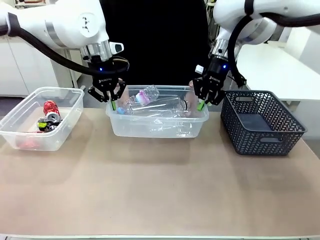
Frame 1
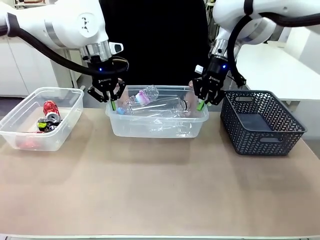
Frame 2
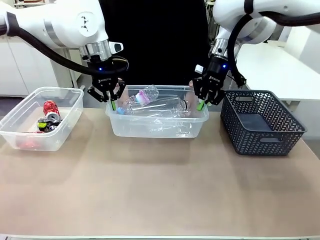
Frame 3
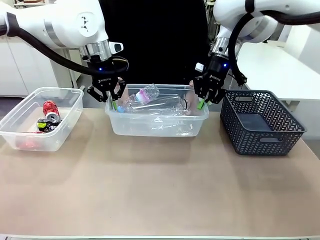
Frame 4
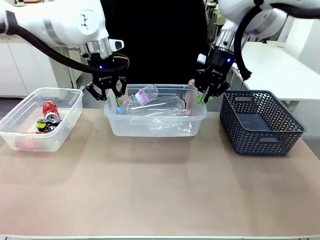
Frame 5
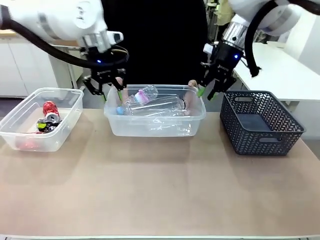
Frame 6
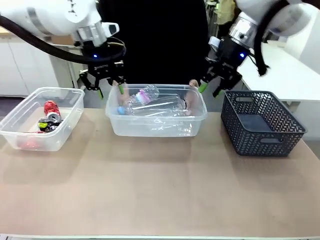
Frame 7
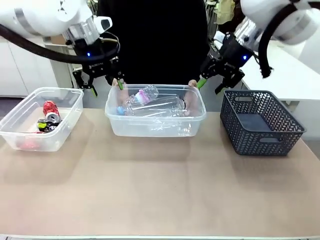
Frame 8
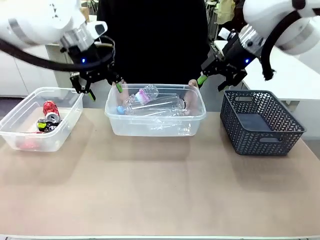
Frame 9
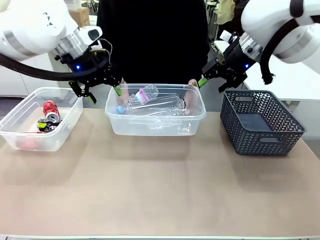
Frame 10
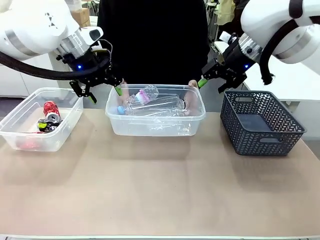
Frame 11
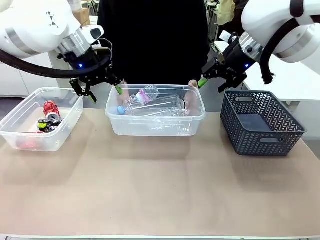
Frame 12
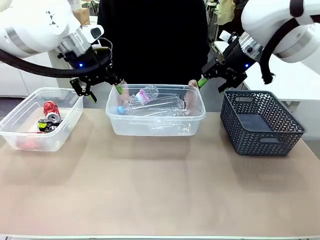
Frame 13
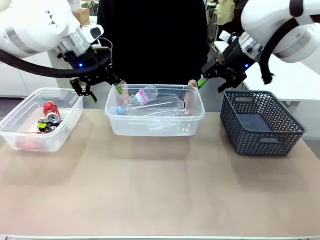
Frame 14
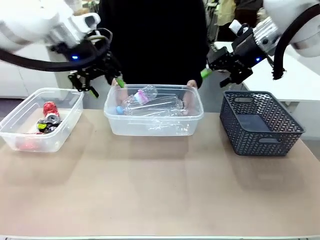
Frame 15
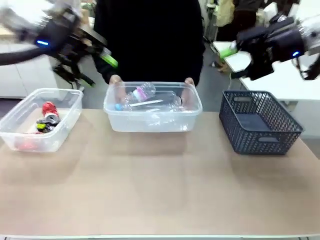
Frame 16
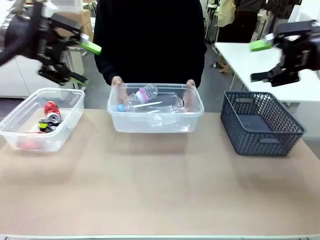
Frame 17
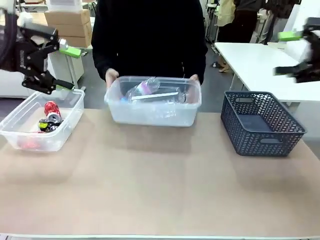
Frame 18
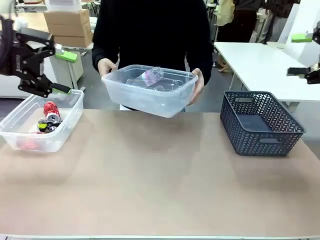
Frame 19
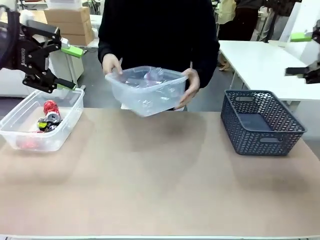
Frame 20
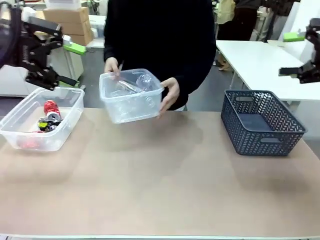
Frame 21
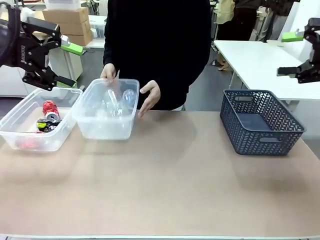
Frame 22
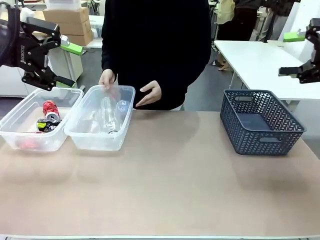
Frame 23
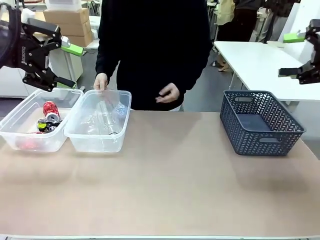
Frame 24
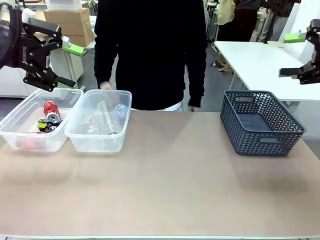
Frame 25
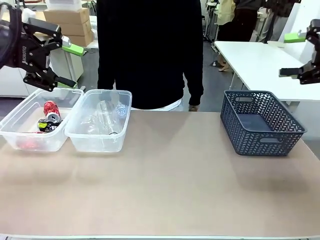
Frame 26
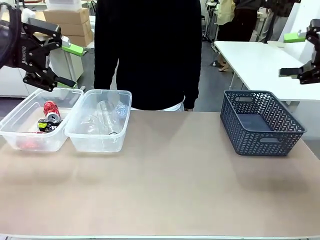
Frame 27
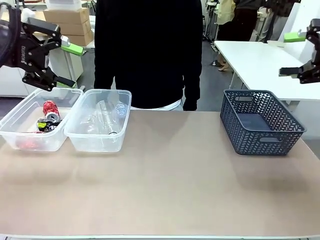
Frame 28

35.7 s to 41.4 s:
Robot: Release the Organizing box you were holding.
Person: Pick up the organizing box extended by the robot. Place the organizing box to the left of the sorting box containing the can waste.

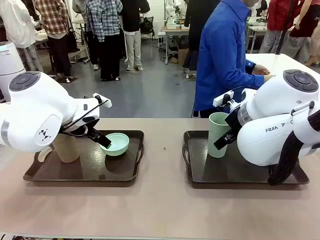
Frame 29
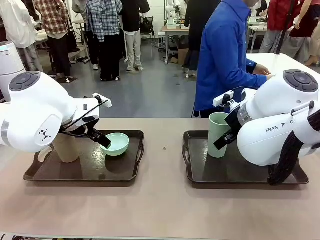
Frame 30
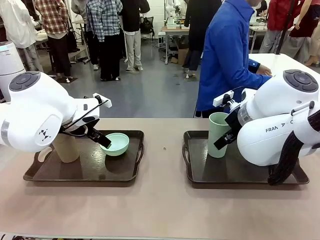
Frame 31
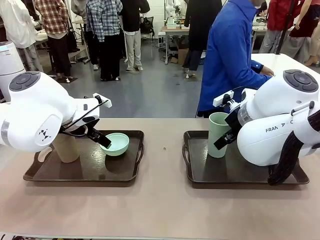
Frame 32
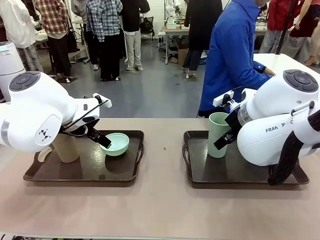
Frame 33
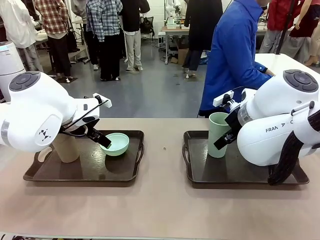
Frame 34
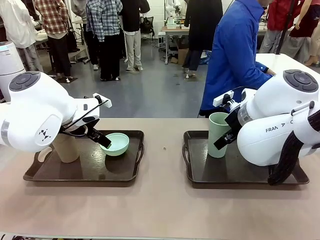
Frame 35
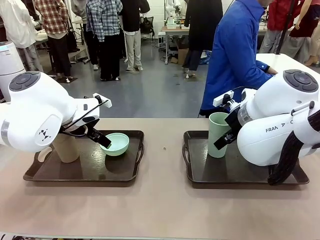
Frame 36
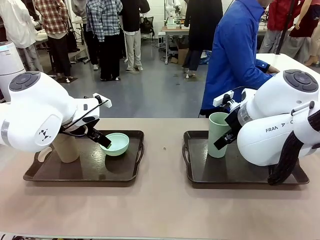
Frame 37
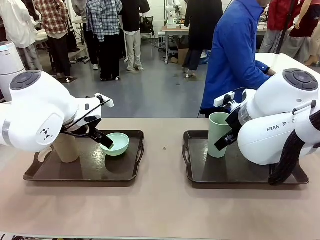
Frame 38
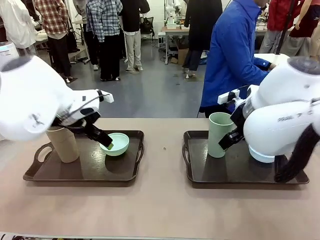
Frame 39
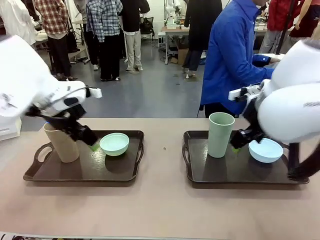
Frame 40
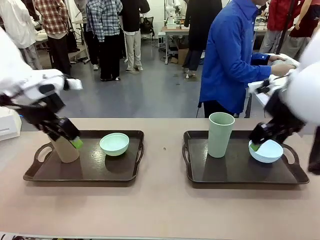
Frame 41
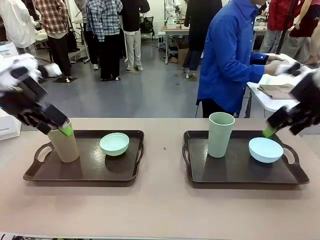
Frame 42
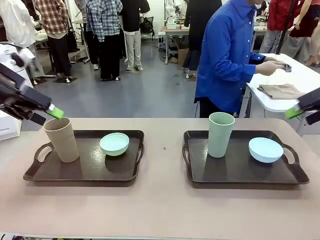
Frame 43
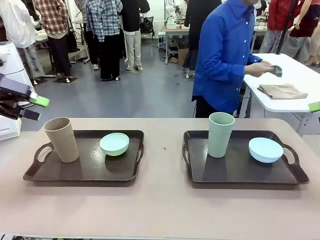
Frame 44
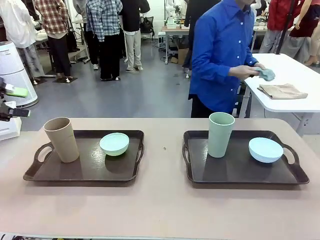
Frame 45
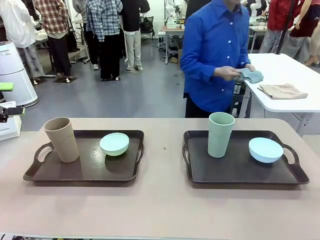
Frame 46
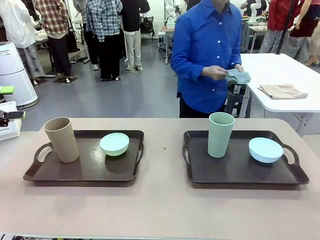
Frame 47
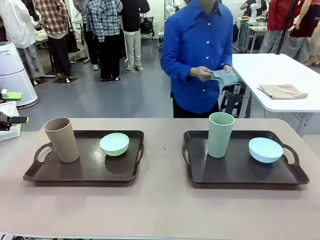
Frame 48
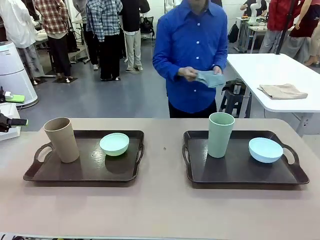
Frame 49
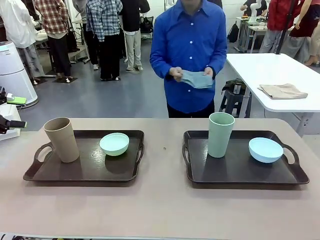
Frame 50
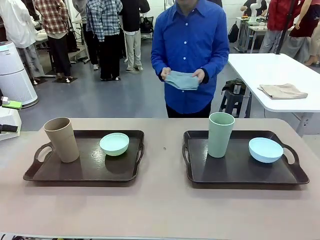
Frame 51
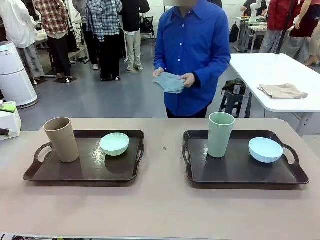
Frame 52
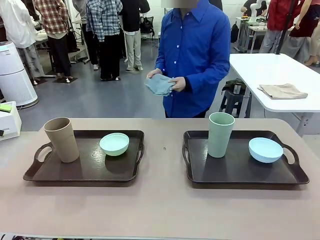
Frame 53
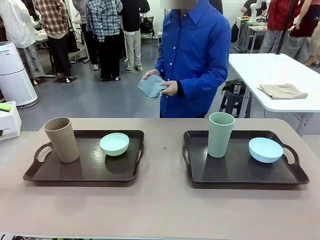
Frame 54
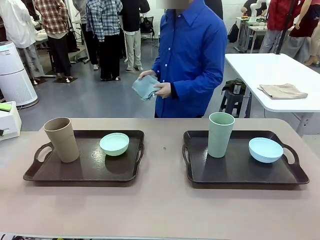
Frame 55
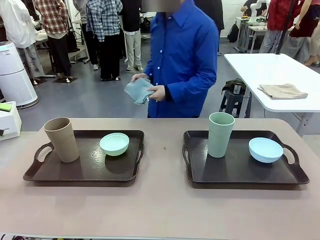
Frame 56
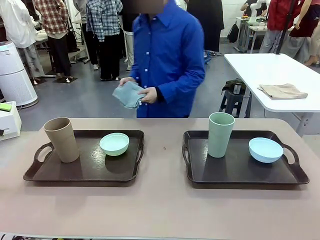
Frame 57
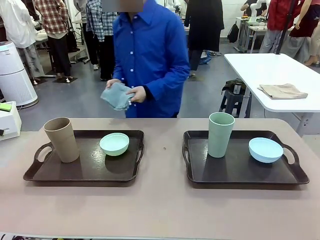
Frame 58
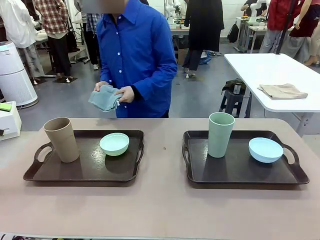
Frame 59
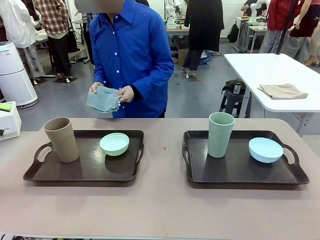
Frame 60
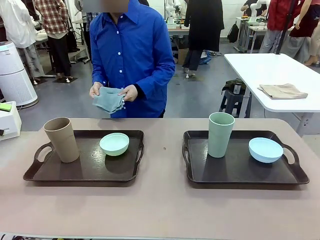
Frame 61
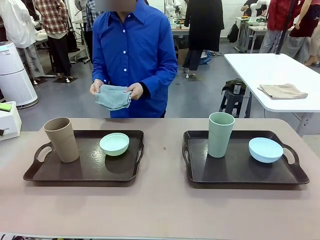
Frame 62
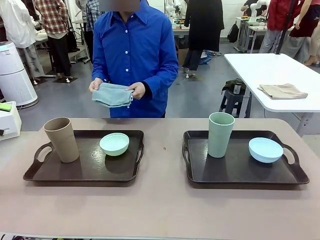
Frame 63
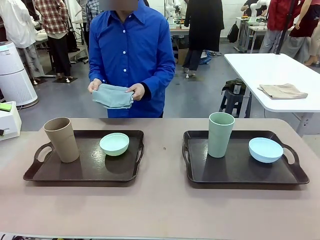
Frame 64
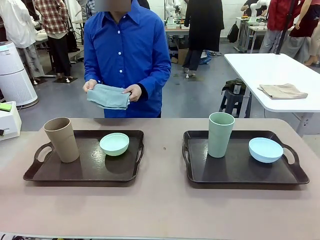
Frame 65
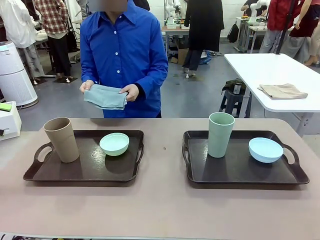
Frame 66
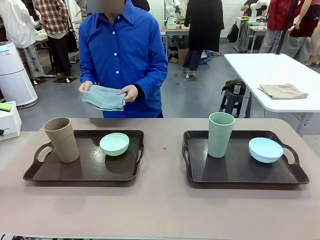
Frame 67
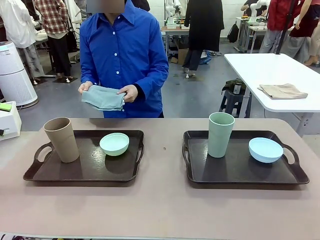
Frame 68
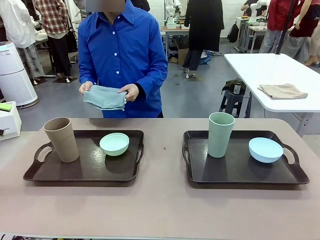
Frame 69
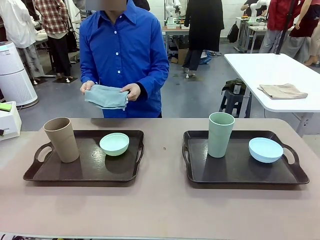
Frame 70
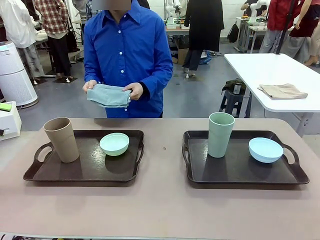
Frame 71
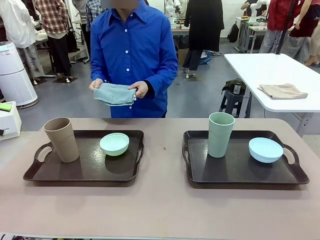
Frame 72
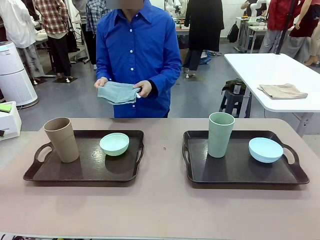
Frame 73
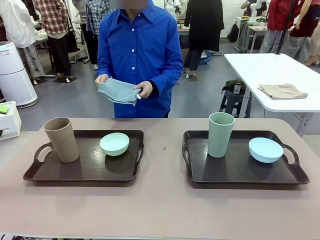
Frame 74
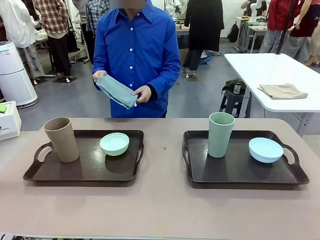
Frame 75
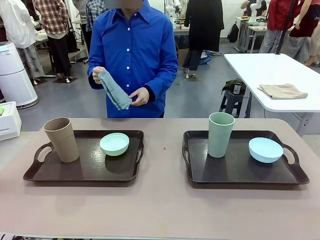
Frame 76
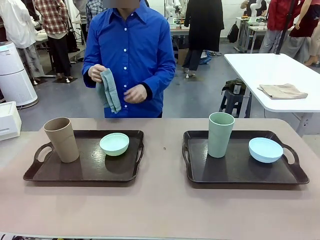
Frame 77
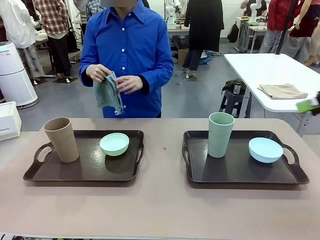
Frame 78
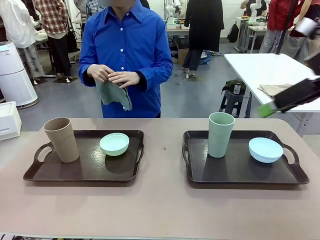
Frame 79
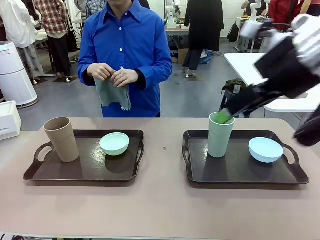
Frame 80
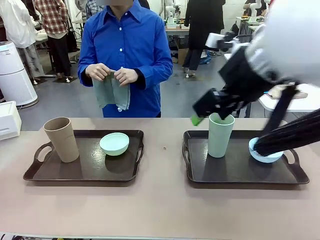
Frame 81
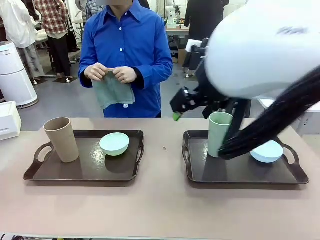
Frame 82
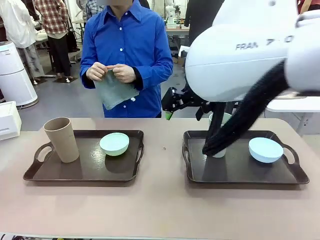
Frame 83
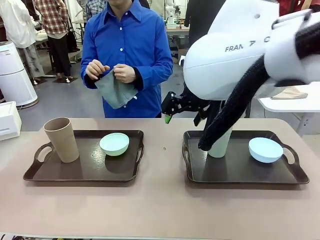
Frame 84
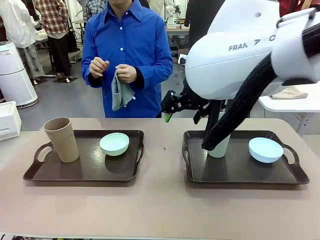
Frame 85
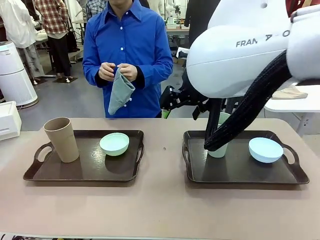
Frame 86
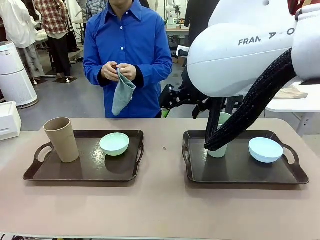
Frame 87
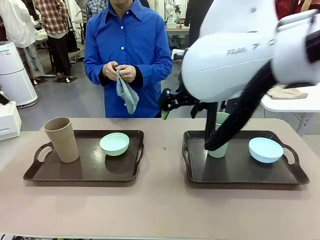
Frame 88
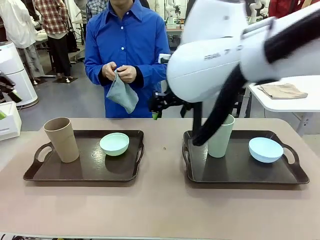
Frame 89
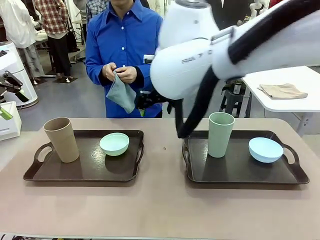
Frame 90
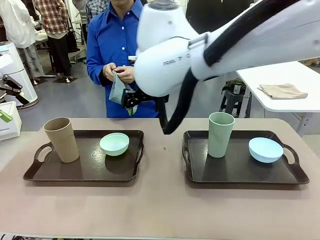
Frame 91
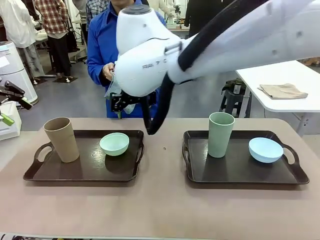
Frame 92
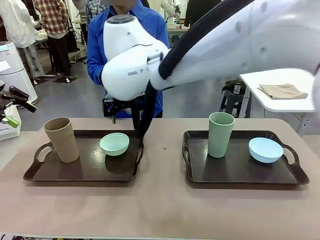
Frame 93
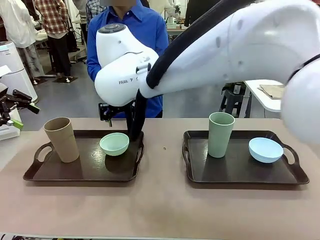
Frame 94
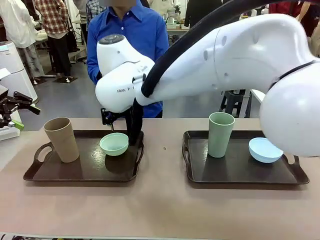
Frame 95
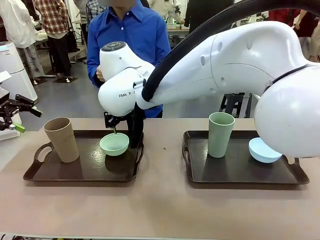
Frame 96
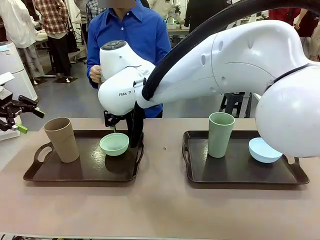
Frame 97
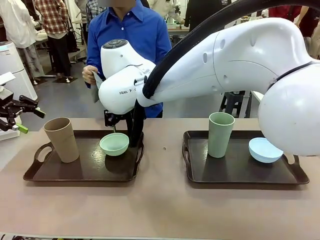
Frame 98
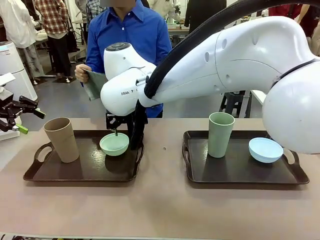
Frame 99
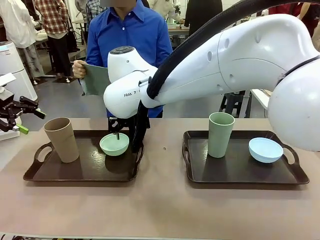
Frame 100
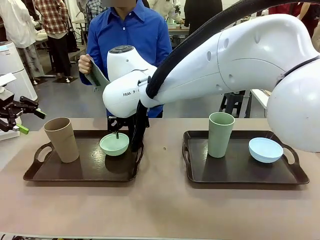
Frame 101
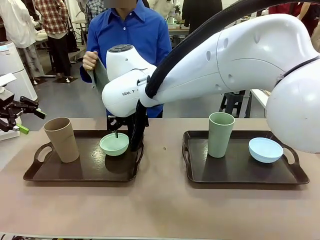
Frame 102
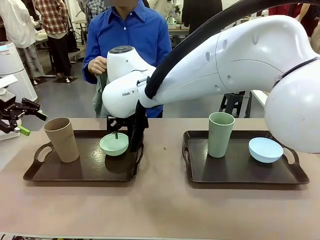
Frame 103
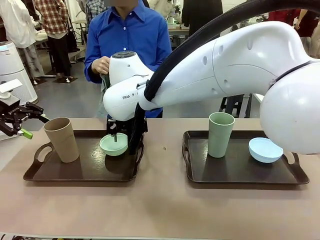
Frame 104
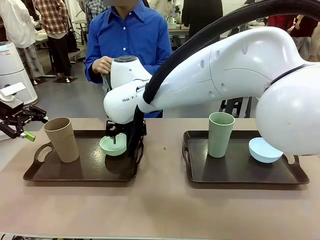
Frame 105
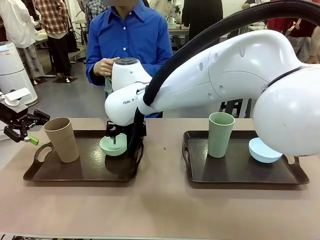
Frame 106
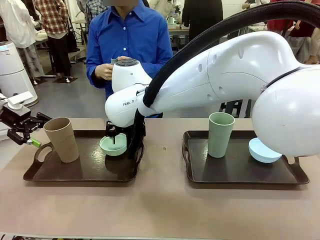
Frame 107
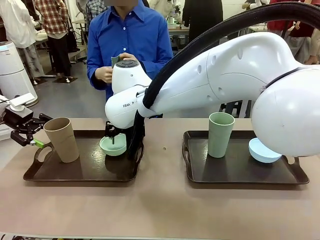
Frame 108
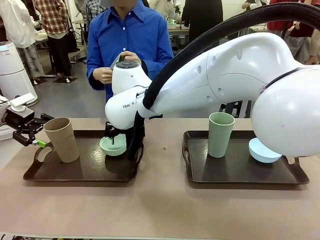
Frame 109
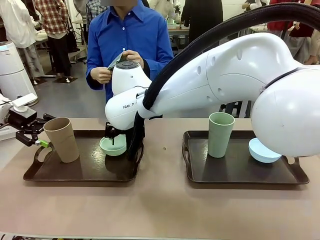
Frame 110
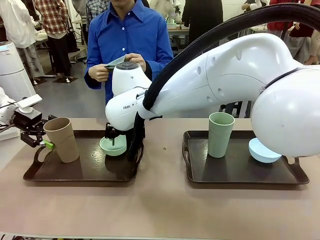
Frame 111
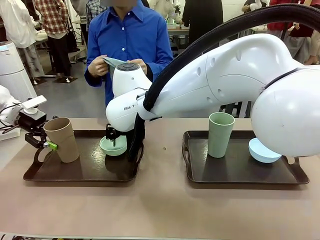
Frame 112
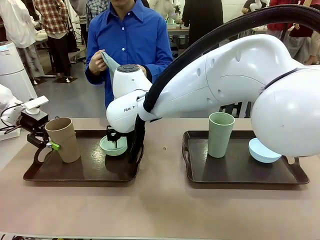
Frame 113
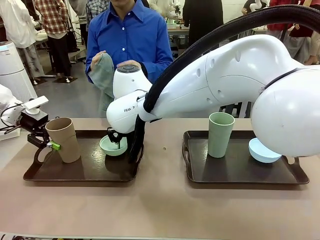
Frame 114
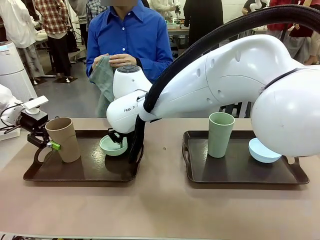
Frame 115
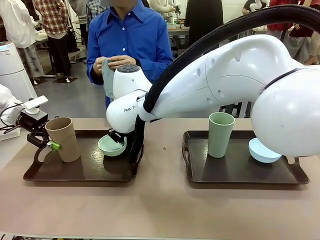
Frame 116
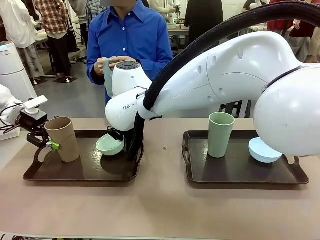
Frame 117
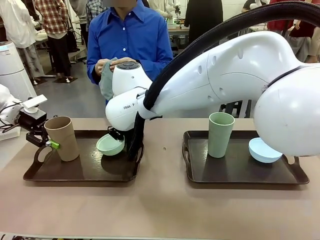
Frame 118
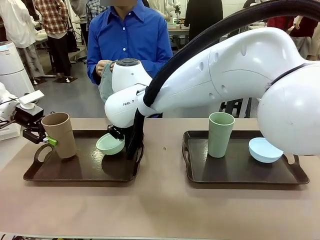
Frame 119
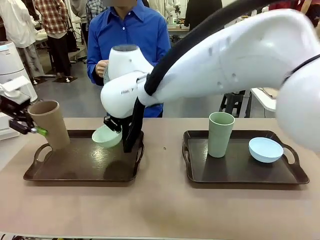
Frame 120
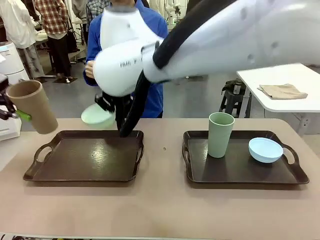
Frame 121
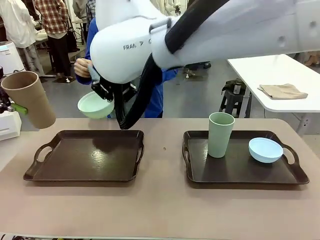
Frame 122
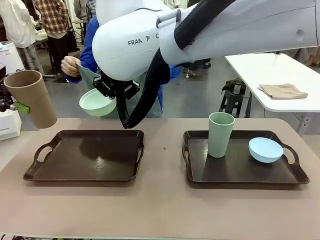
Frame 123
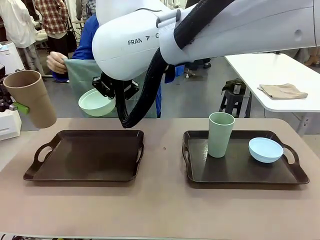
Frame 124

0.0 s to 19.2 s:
Robot: Pick up the Picnic Bowl and Reusable plastic cup from the Handle tray in front of the human's position and hold them in the air.
Person: The human picks up the top napkin from the stack on the human table and walks to the robot table to stand in front of one of the two trays. When the robot lifts the bowl and the cup, the human unfolds the napkin and lays the napkin flat on the tray.
